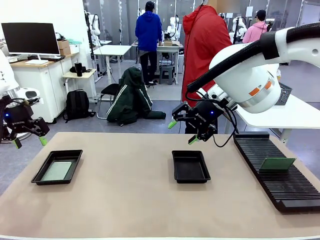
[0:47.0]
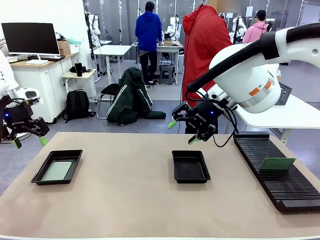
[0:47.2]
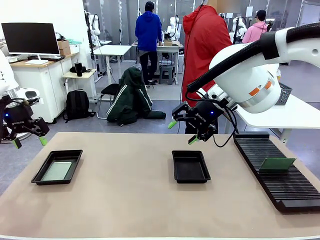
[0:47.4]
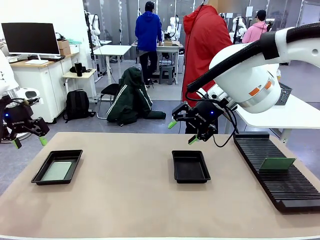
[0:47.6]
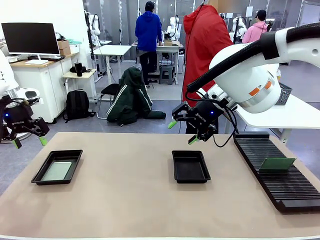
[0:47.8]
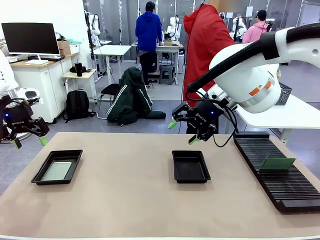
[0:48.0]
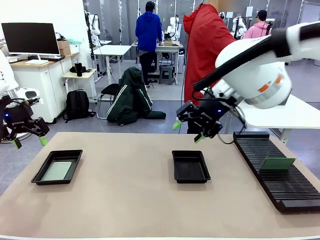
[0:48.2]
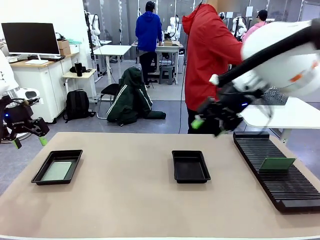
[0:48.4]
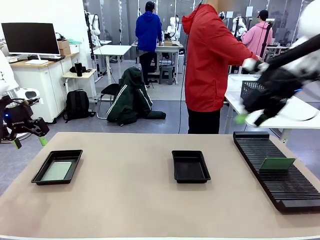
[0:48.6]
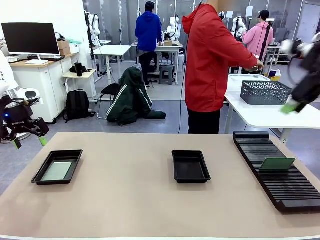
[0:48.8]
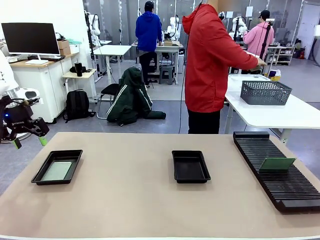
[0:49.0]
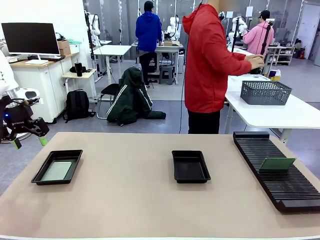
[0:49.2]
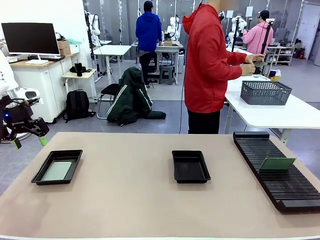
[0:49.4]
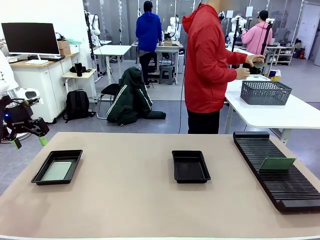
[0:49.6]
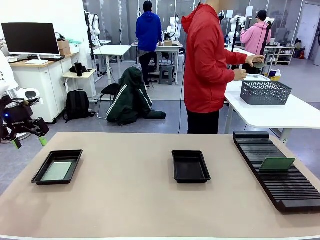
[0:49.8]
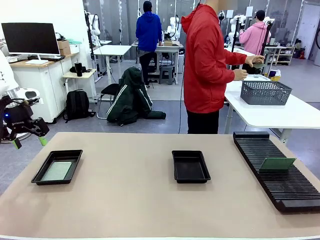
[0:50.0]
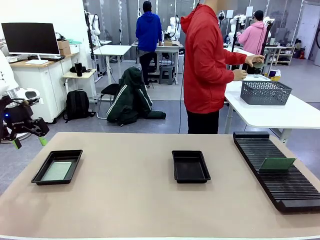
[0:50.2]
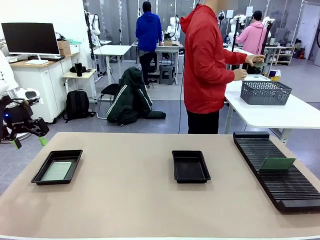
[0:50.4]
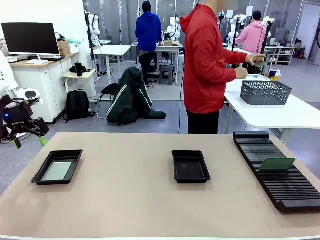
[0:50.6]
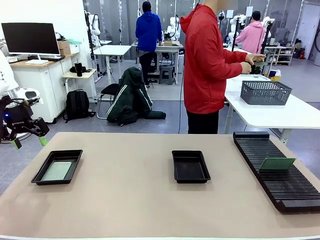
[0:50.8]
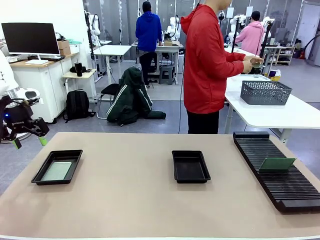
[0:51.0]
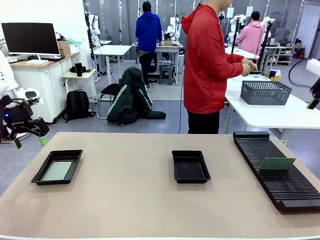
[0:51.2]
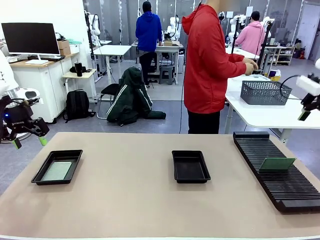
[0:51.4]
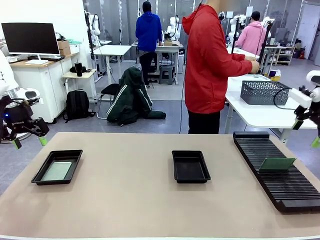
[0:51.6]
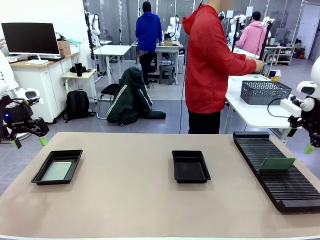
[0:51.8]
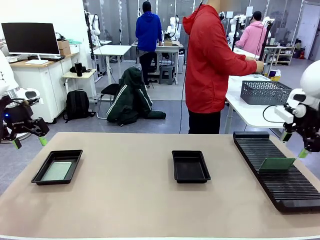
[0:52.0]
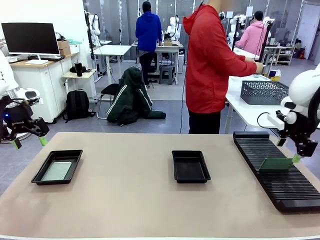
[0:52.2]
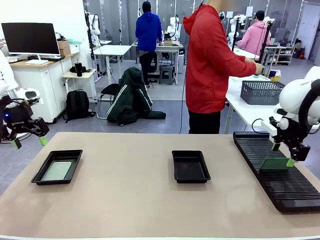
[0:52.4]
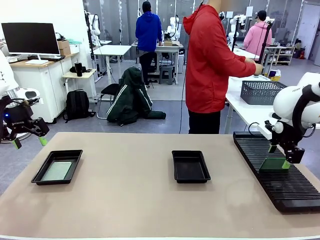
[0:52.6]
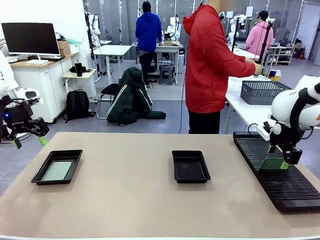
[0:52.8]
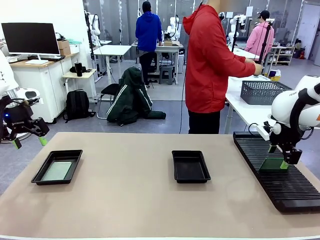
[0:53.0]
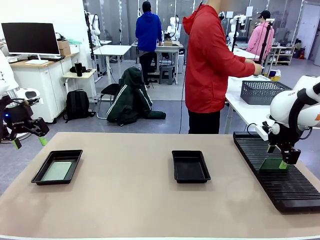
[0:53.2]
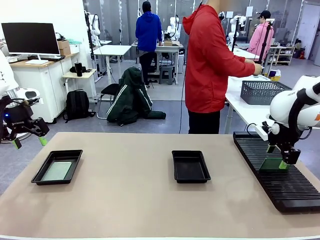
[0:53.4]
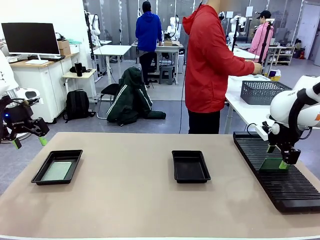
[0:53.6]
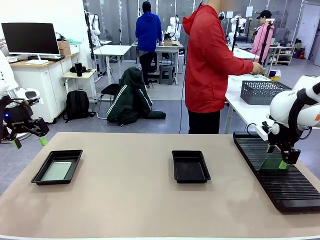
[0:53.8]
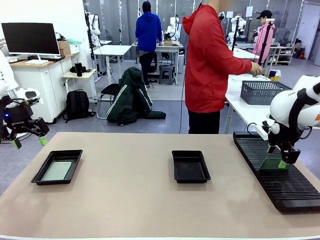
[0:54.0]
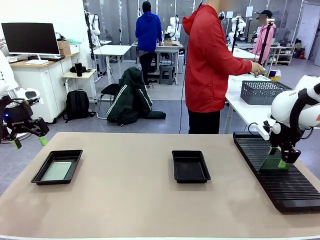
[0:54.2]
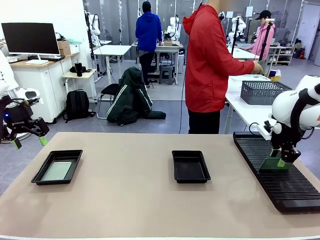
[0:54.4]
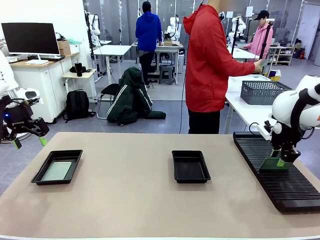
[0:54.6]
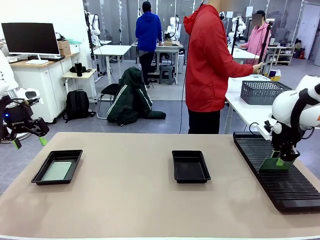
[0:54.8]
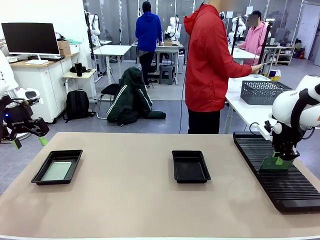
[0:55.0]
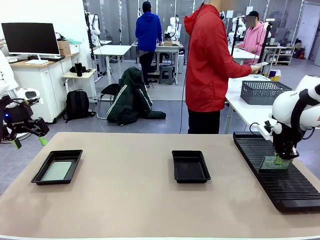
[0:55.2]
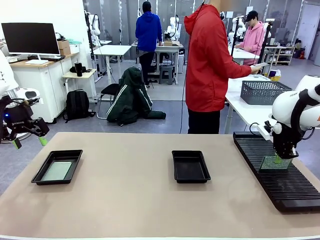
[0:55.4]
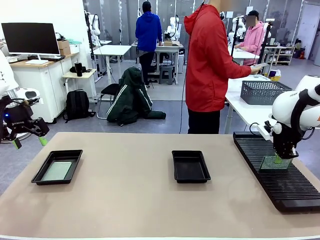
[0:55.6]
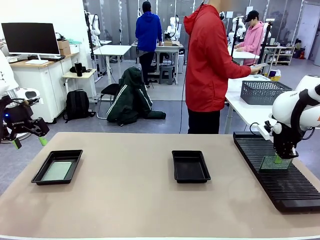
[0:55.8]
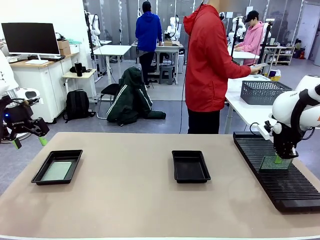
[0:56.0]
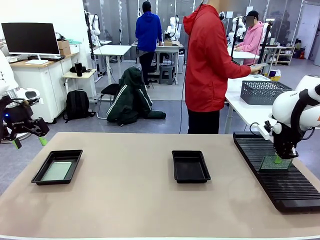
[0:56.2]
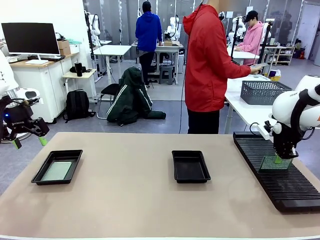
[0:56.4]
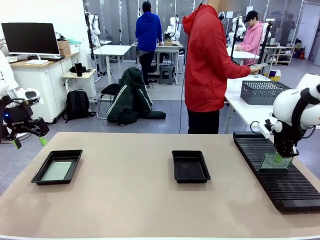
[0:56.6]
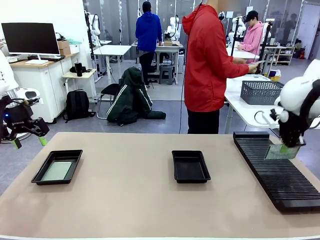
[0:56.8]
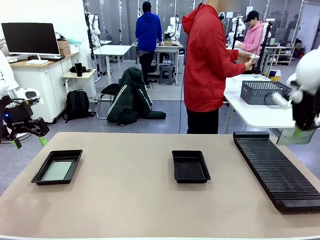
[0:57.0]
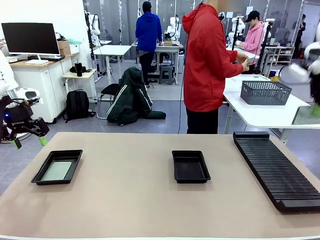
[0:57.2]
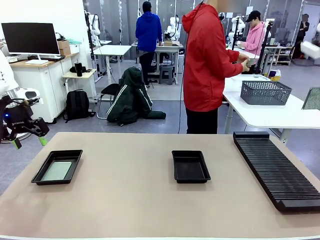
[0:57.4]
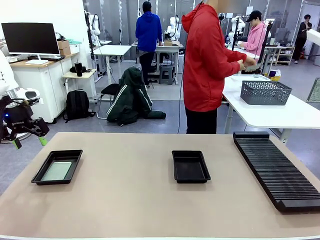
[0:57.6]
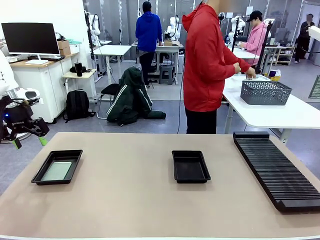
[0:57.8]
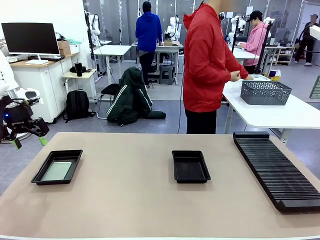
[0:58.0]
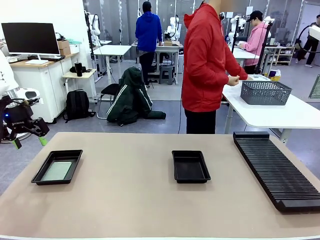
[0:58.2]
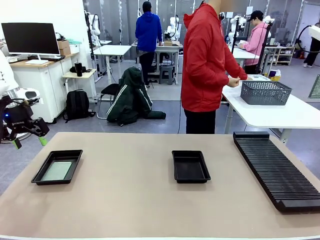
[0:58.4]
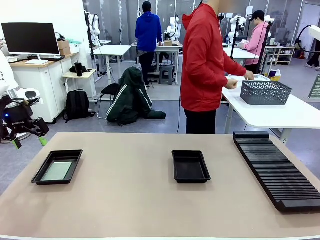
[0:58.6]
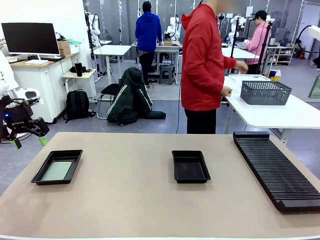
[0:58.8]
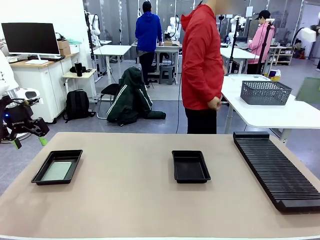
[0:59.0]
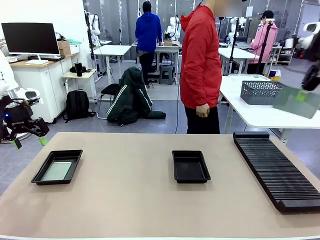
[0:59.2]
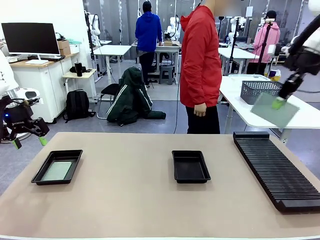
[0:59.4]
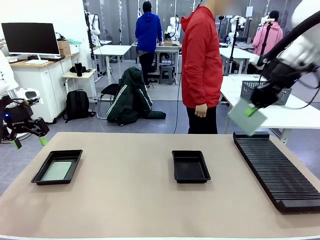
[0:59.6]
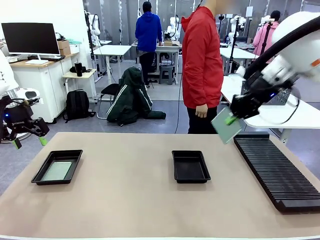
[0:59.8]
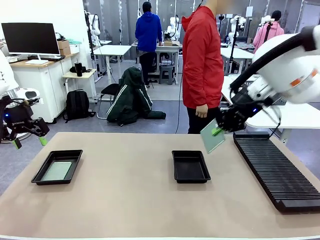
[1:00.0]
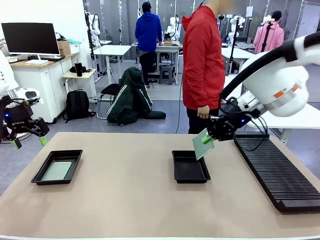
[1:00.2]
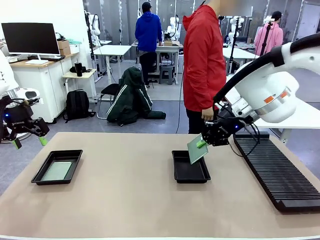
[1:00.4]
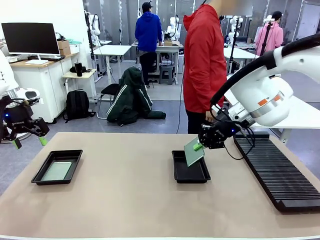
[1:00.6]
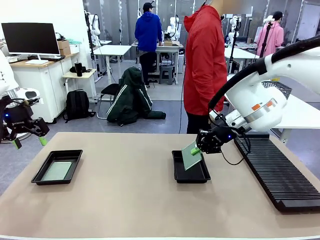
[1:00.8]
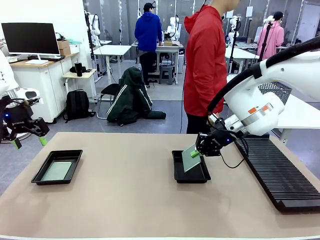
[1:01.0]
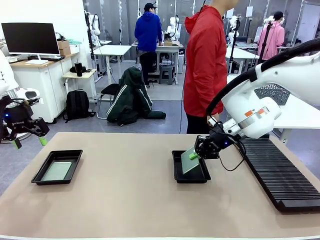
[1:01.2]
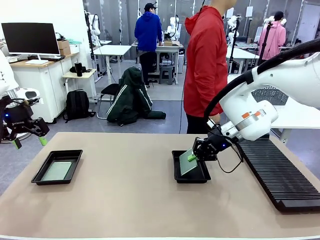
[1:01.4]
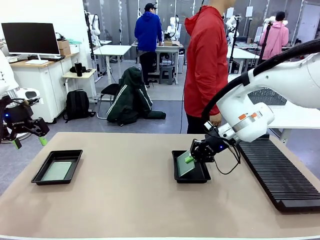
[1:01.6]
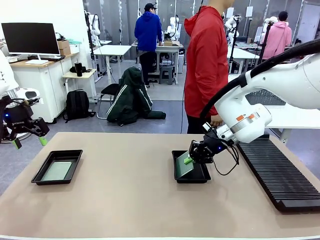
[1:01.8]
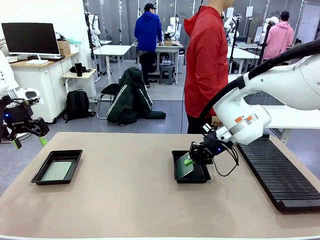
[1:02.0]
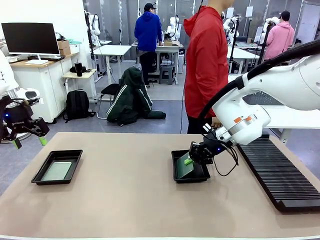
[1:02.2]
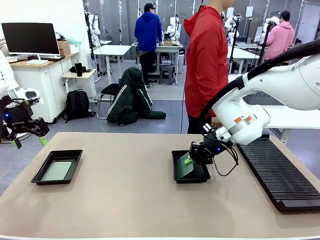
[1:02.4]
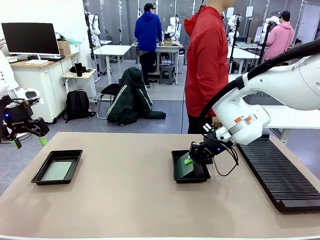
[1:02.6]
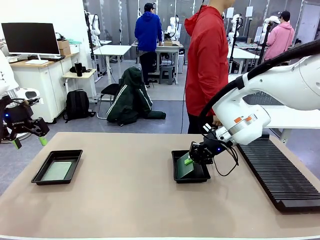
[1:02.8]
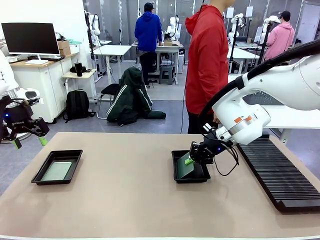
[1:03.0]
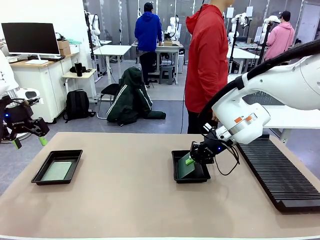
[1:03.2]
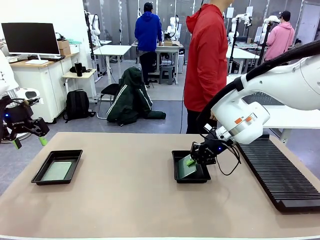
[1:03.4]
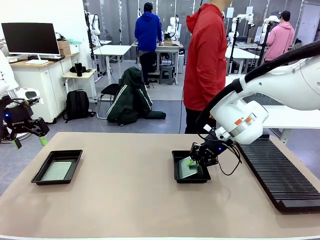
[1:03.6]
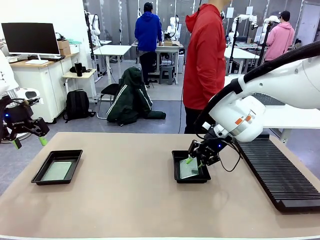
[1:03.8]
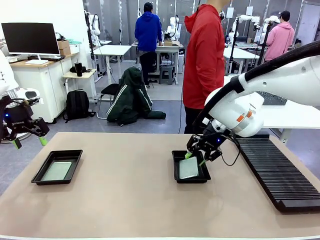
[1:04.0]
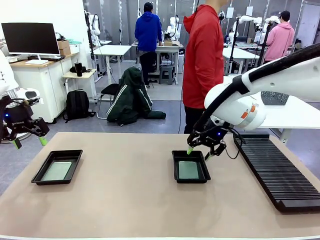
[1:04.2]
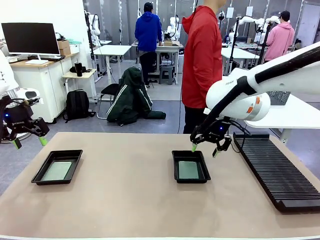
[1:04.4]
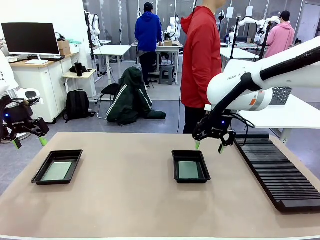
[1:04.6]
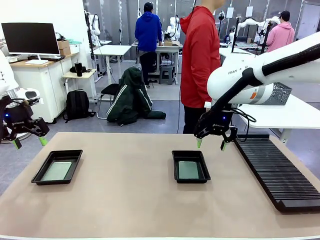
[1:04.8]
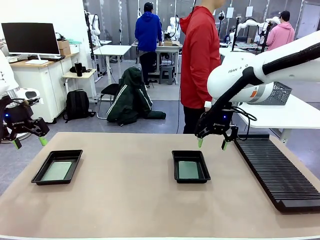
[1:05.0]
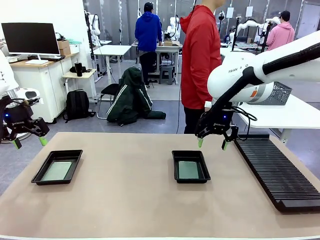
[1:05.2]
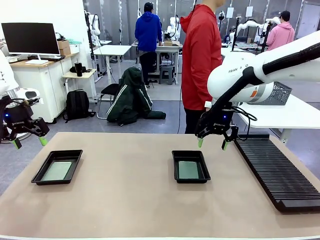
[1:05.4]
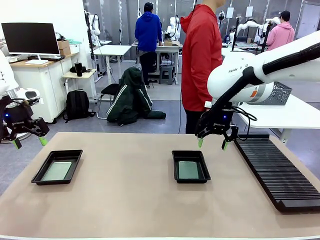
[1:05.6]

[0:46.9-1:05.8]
Task: Inspect and transfer BCBs to ESD trays.
Robot: Pick up the Blank PCB from the PCB Rack and place it in the right ESD tray.
